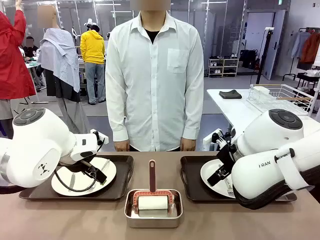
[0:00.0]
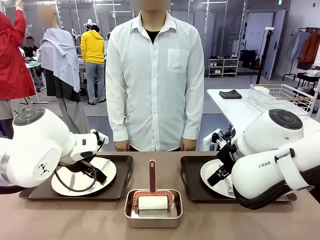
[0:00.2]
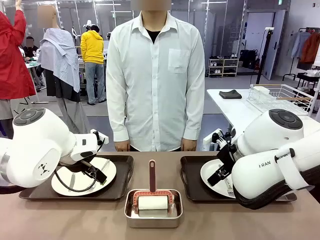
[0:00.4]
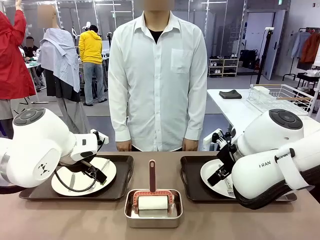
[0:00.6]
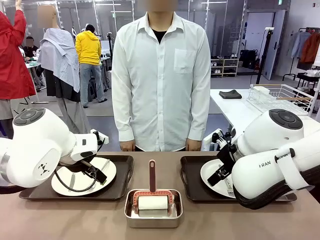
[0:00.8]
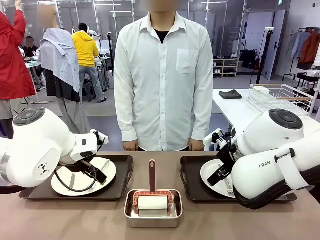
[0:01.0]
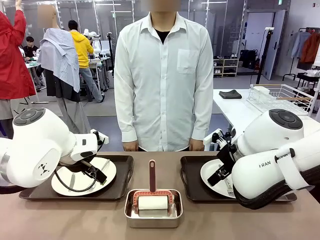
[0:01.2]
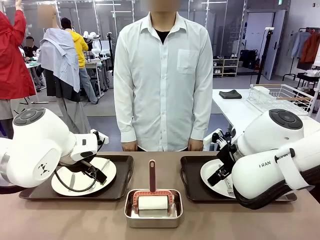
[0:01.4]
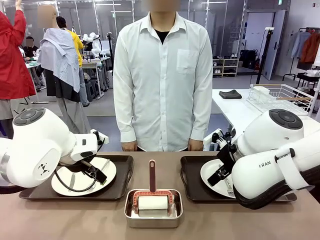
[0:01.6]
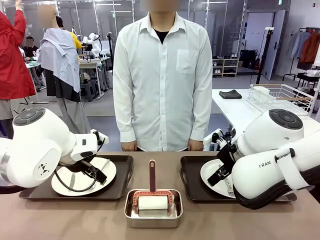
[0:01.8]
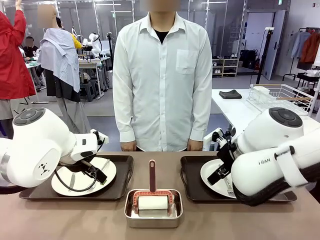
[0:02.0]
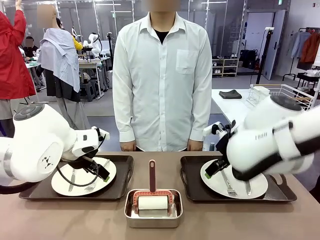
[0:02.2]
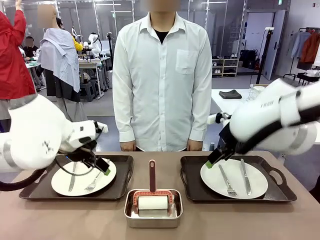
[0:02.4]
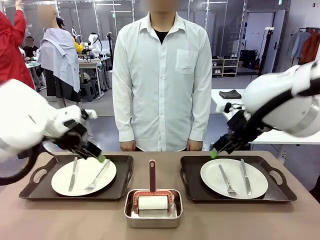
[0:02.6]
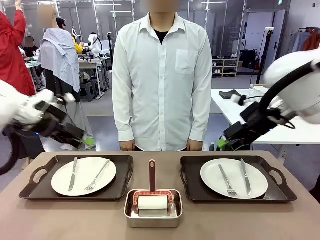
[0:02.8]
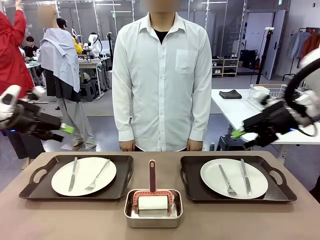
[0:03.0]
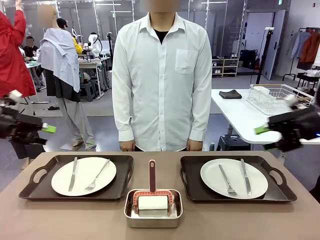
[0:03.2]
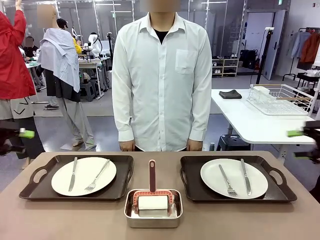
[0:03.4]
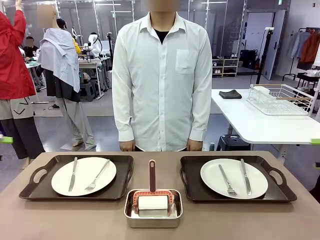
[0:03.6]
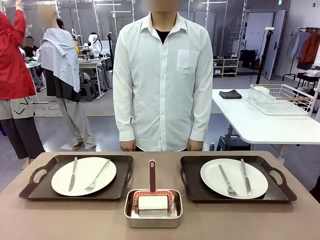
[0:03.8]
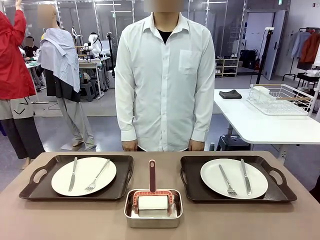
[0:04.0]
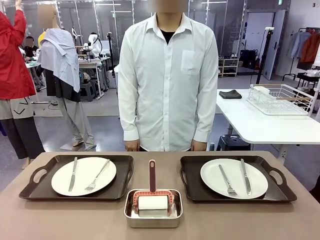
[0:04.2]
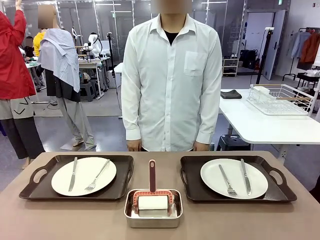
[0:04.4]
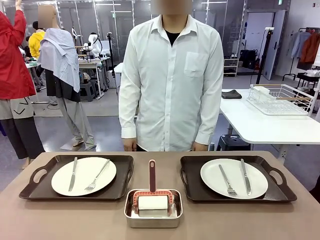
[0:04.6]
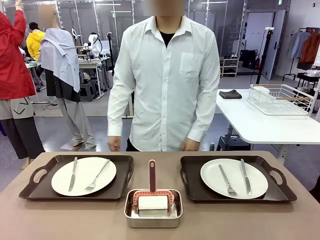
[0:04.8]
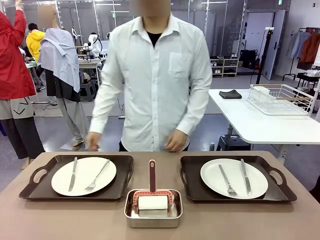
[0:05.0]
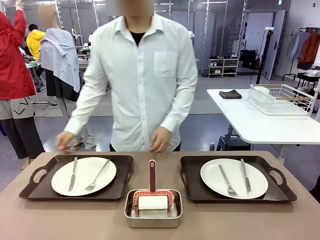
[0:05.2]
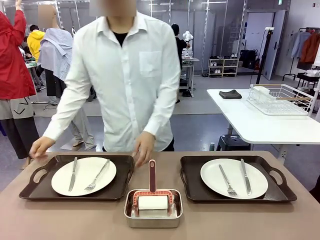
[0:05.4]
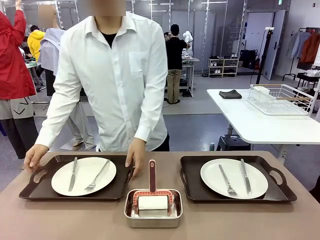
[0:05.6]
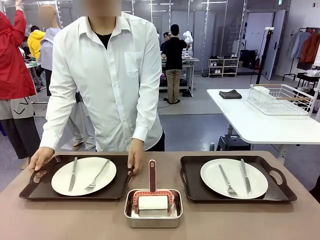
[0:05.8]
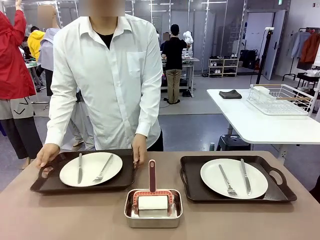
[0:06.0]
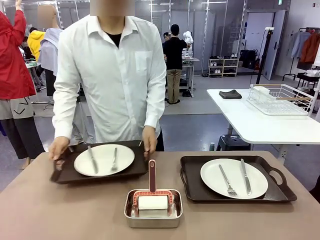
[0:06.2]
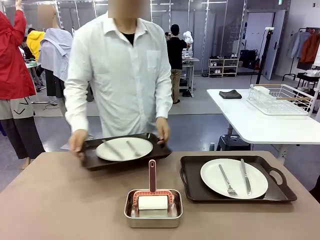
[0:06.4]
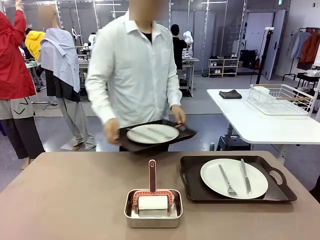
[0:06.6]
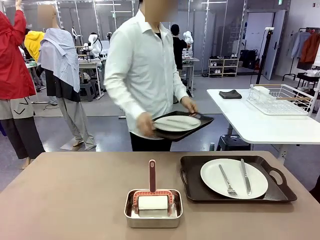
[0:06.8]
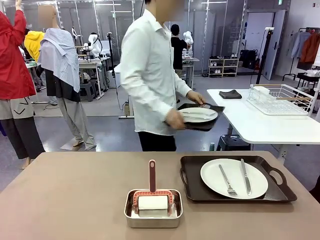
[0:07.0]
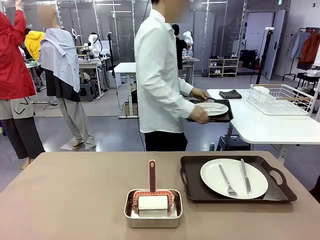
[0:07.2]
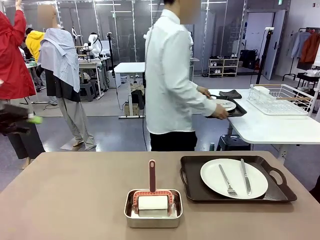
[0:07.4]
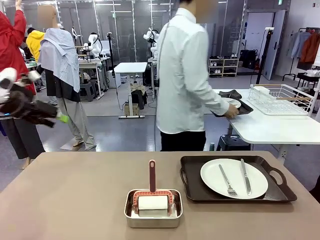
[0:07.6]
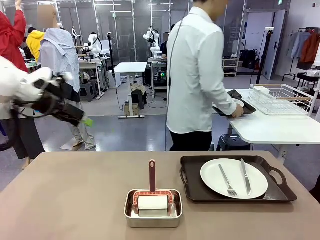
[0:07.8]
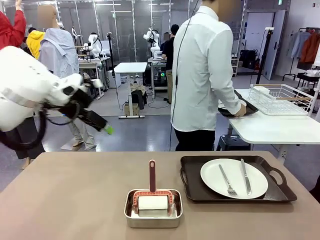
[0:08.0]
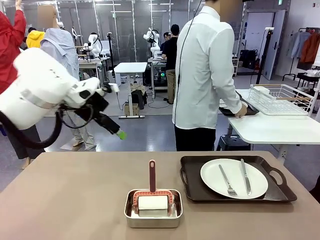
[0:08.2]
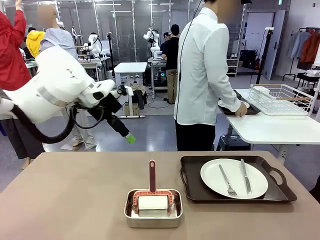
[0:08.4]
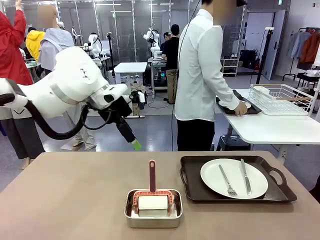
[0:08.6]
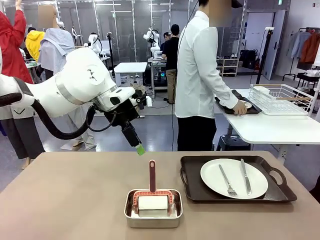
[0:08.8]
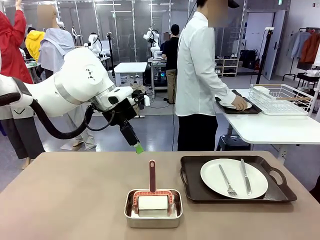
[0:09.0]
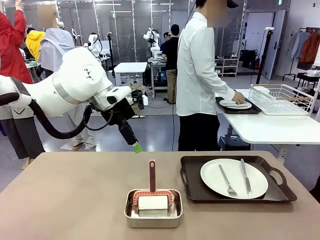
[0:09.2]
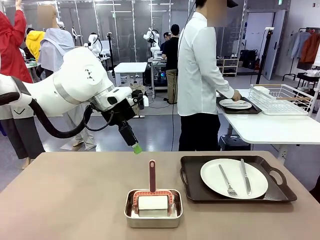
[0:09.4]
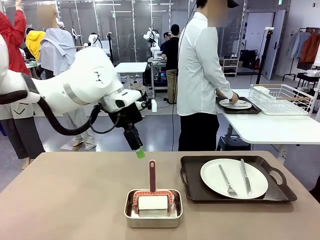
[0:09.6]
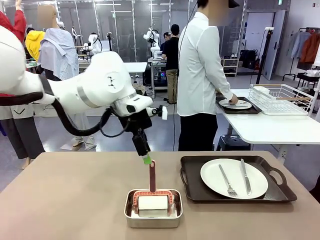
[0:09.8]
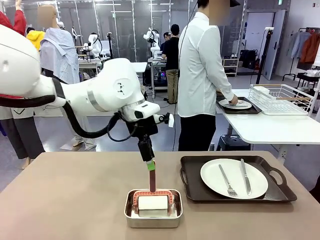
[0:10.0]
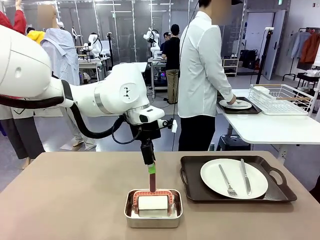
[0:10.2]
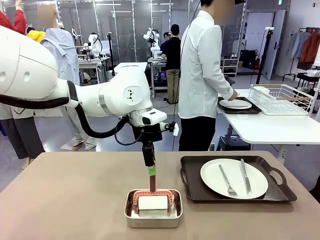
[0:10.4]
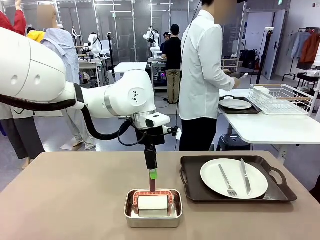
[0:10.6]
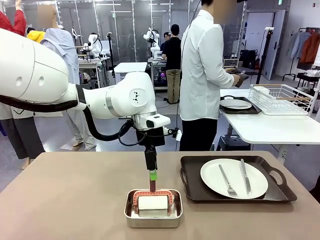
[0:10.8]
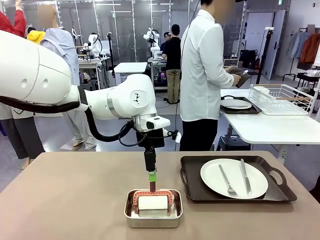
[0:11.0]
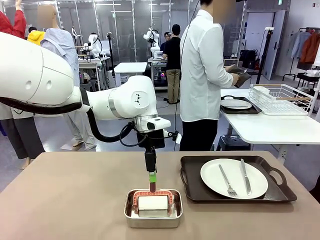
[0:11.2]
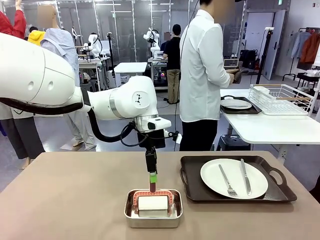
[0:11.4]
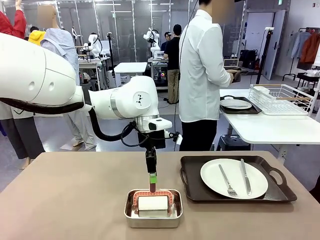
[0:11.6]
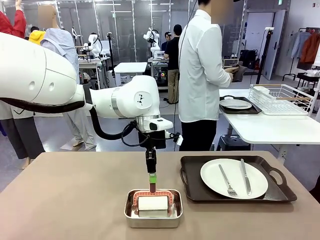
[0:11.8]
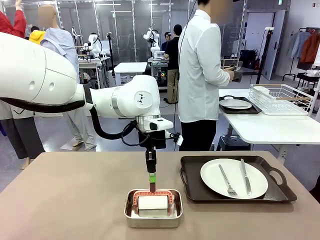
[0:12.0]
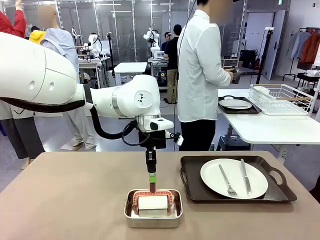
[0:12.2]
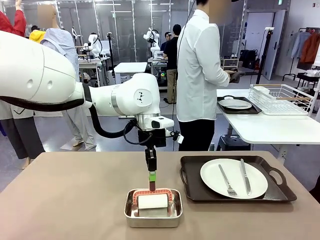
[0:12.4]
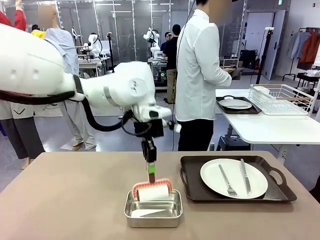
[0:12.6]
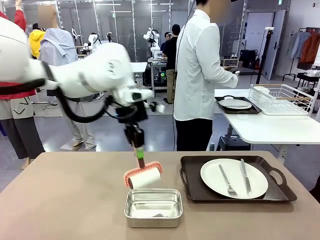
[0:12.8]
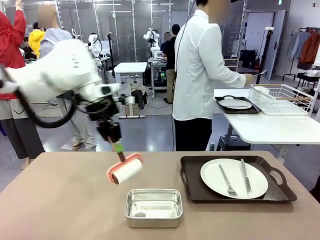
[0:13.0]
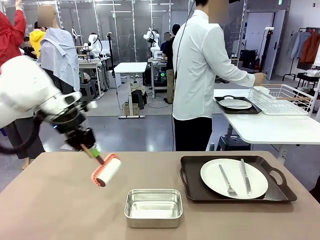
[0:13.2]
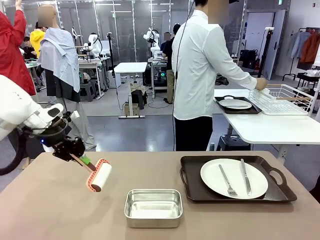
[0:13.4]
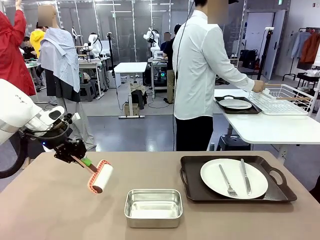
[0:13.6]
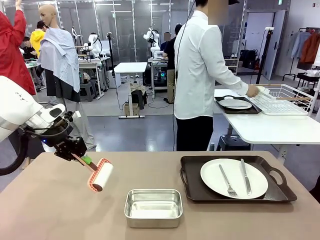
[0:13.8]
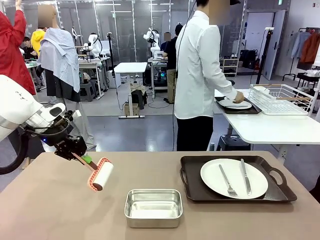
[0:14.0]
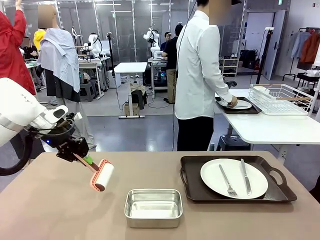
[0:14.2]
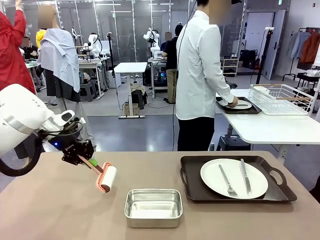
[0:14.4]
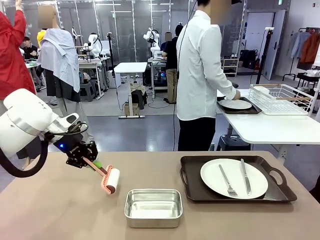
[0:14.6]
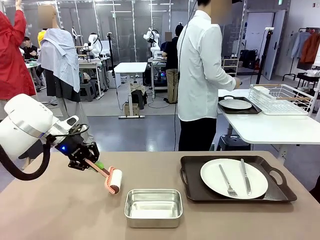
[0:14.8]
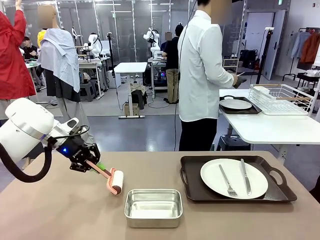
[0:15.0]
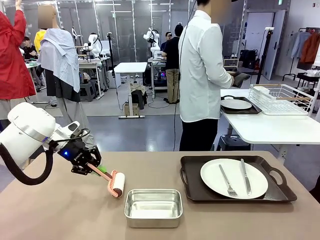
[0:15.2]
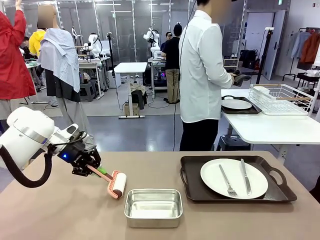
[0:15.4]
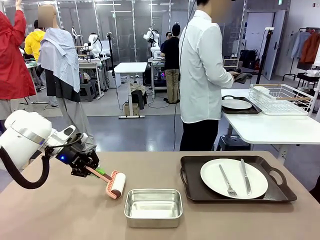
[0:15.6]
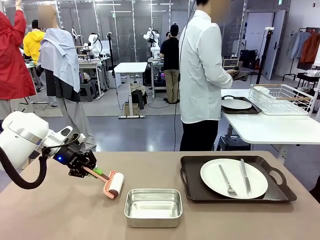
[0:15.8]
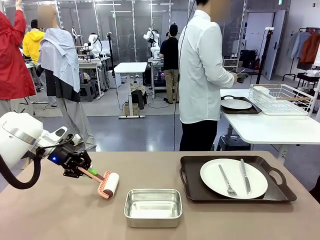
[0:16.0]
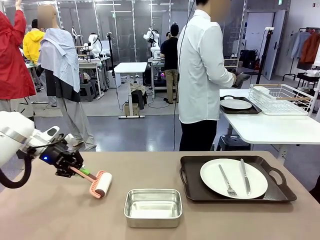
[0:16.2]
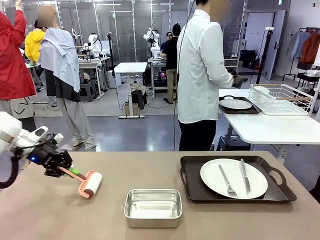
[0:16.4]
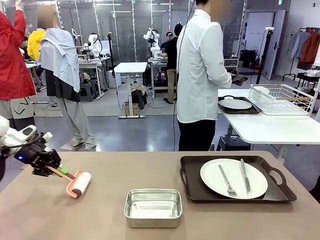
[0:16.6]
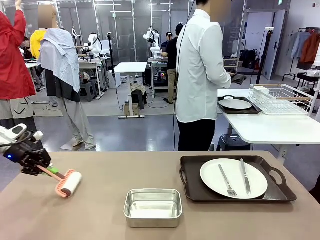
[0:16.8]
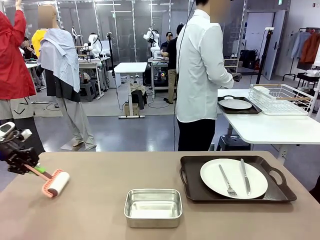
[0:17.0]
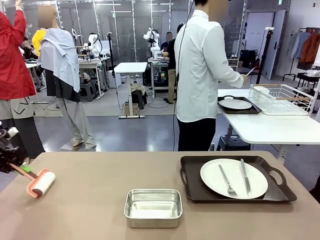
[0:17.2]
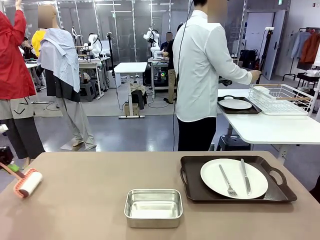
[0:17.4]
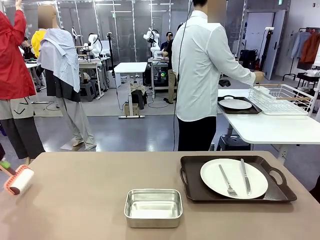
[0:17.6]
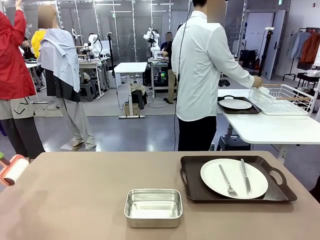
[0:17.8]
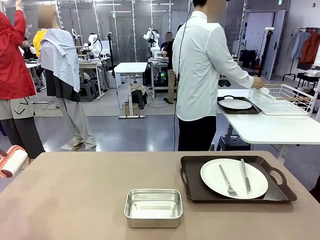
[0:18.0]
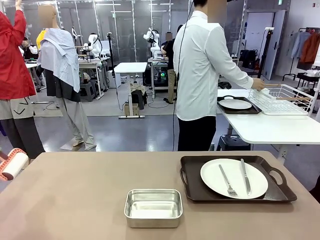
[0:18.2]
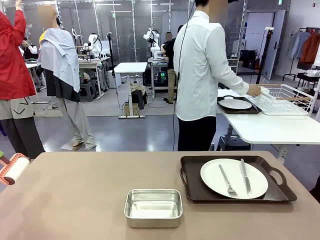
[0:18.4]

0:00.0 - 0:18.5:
Robot: When the left (or right) Handle tray is removed, use the left hand (or right hand) to clean the left (or right) side of the table with the Lint Roller.
Person: Pick up the left (or right) Handle tray and place it on the middle of the Human's table. Use the Towel with hook to wipe the Plastic Matte Plate , Fork , and Knife and place into the Dish drying rack.
